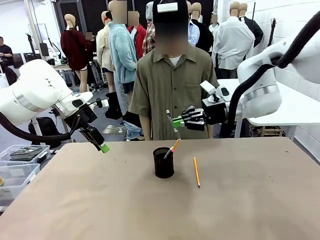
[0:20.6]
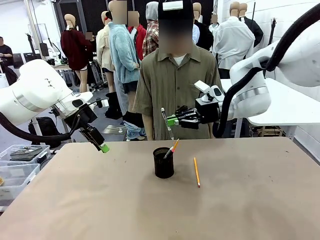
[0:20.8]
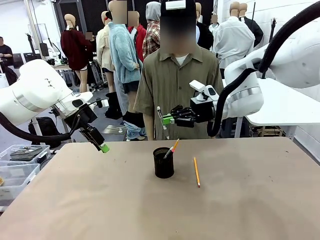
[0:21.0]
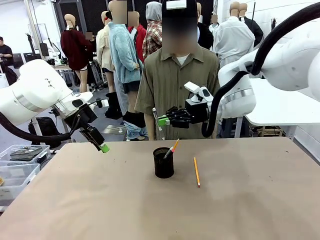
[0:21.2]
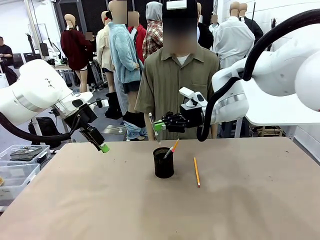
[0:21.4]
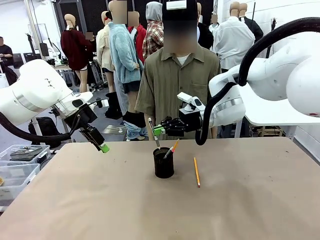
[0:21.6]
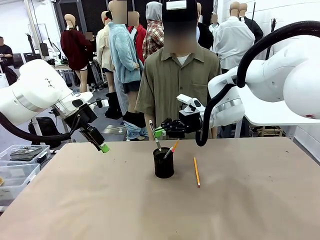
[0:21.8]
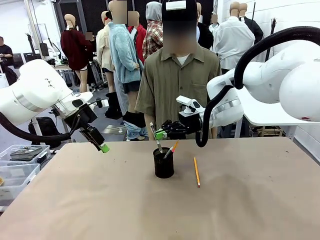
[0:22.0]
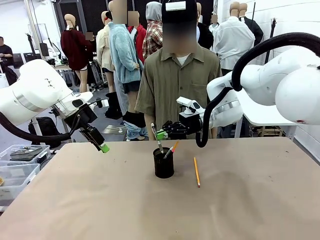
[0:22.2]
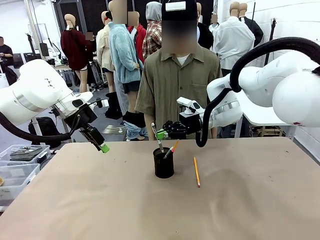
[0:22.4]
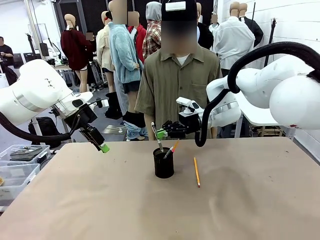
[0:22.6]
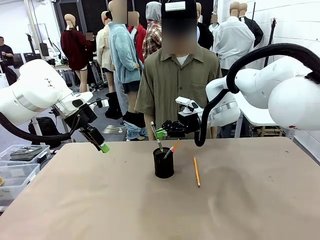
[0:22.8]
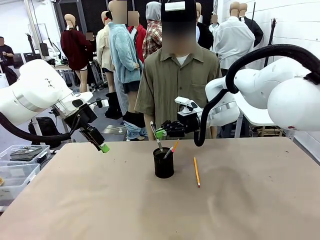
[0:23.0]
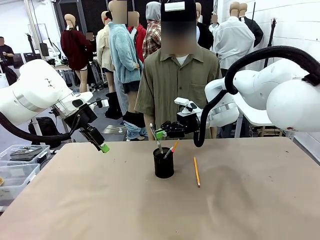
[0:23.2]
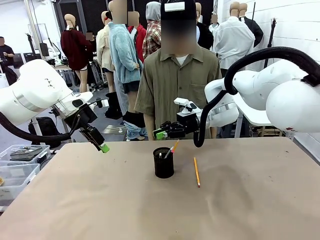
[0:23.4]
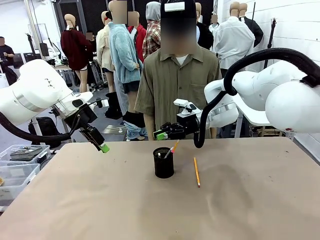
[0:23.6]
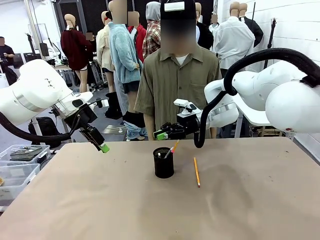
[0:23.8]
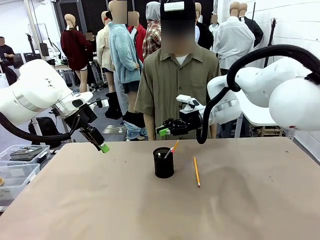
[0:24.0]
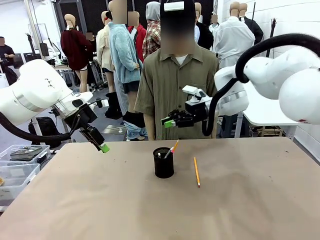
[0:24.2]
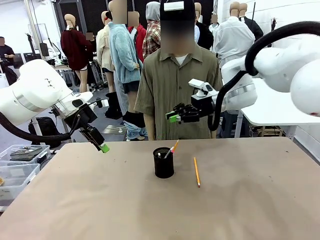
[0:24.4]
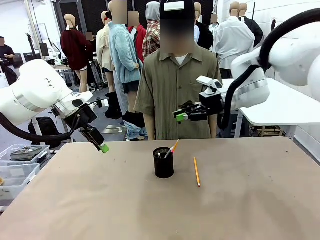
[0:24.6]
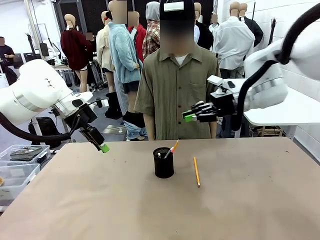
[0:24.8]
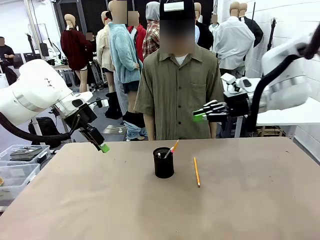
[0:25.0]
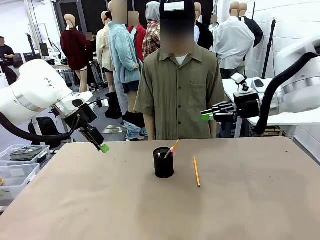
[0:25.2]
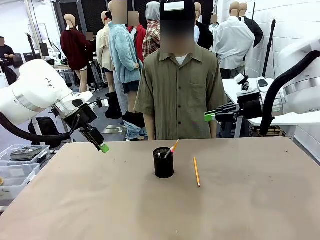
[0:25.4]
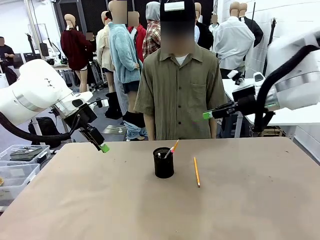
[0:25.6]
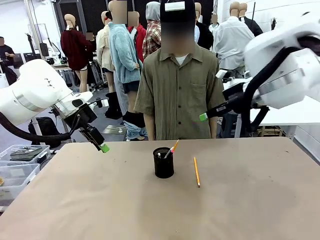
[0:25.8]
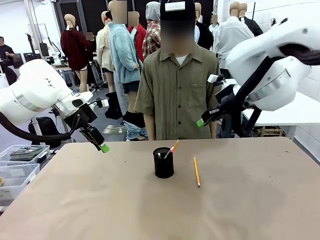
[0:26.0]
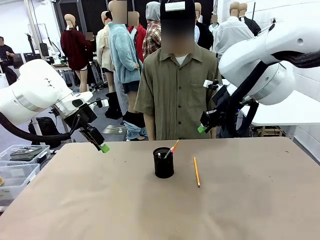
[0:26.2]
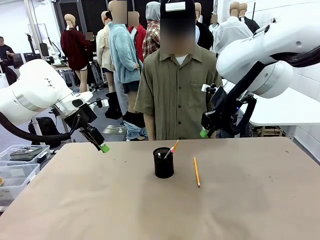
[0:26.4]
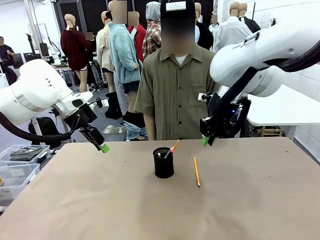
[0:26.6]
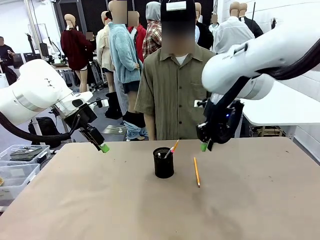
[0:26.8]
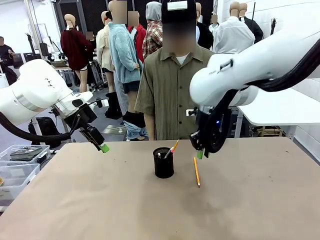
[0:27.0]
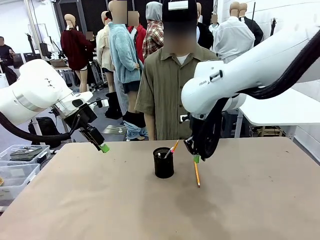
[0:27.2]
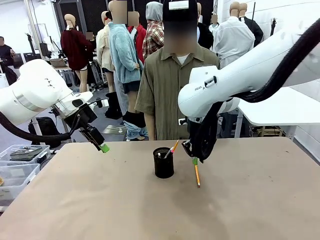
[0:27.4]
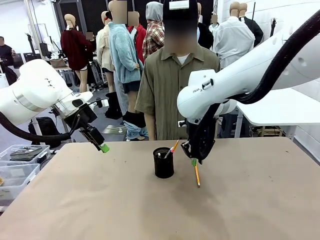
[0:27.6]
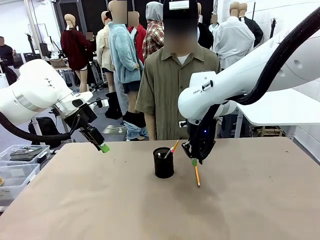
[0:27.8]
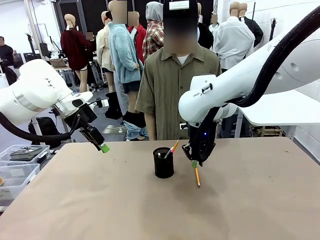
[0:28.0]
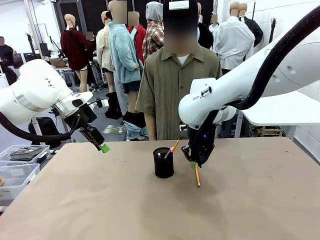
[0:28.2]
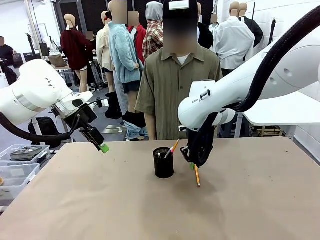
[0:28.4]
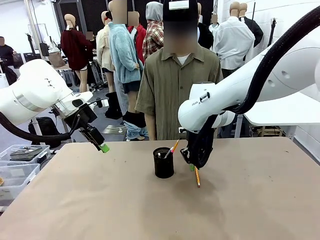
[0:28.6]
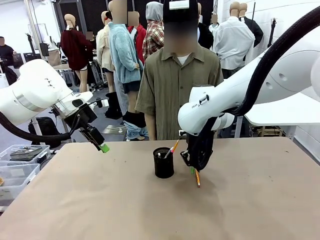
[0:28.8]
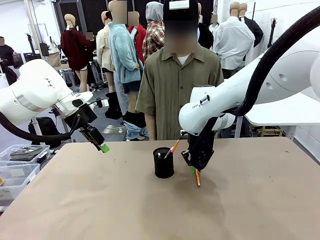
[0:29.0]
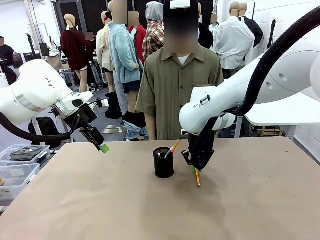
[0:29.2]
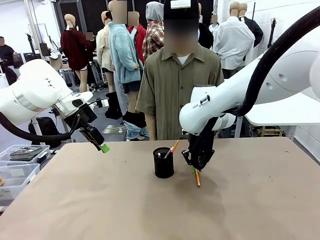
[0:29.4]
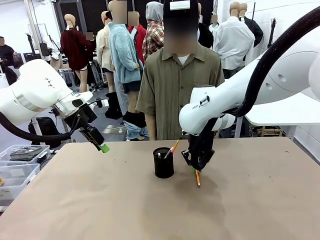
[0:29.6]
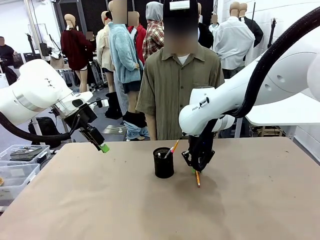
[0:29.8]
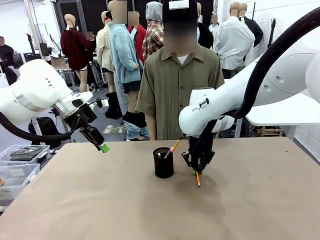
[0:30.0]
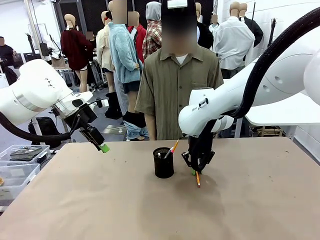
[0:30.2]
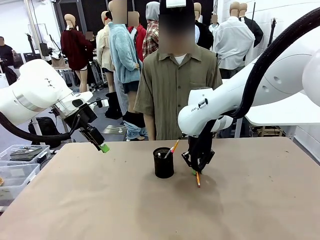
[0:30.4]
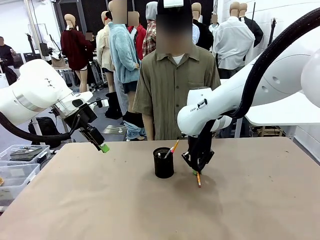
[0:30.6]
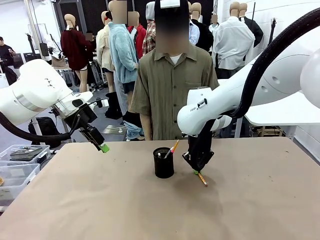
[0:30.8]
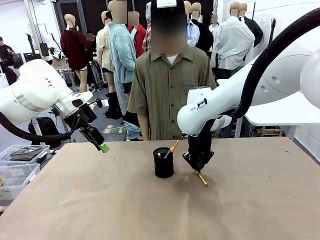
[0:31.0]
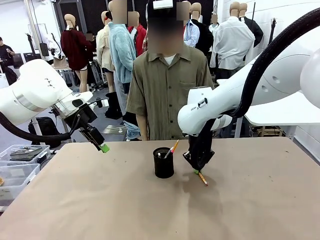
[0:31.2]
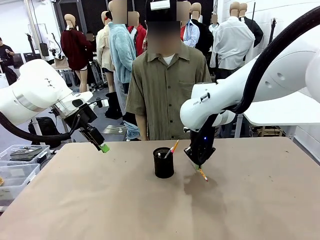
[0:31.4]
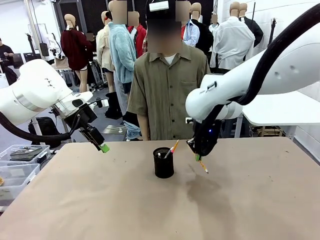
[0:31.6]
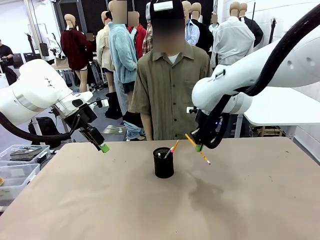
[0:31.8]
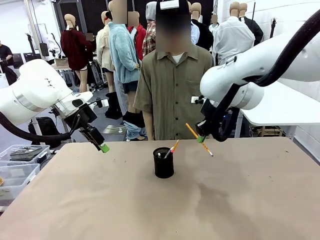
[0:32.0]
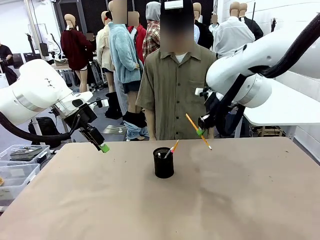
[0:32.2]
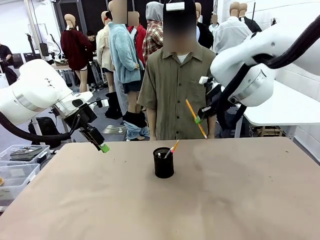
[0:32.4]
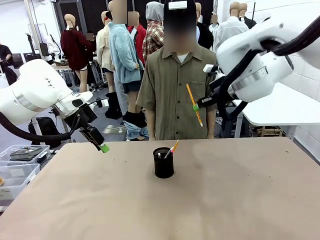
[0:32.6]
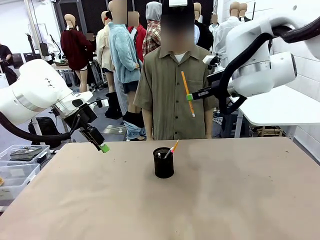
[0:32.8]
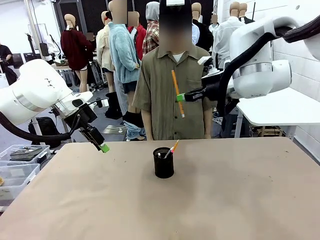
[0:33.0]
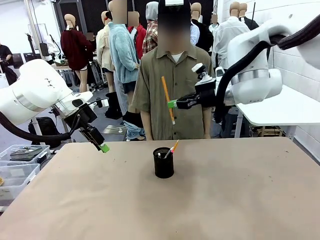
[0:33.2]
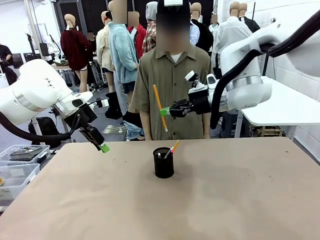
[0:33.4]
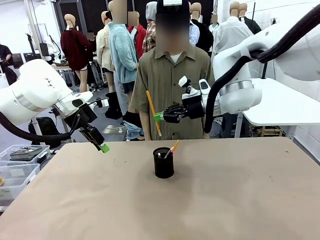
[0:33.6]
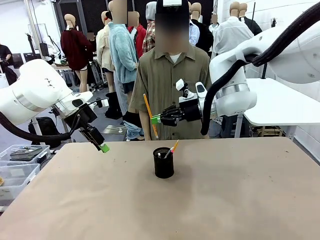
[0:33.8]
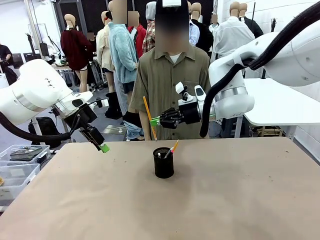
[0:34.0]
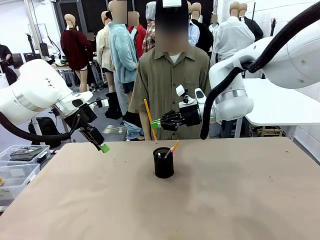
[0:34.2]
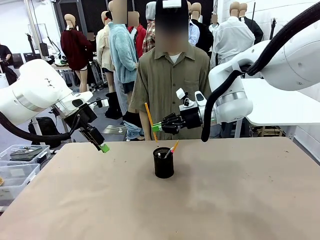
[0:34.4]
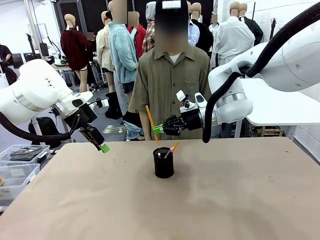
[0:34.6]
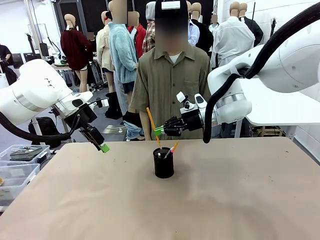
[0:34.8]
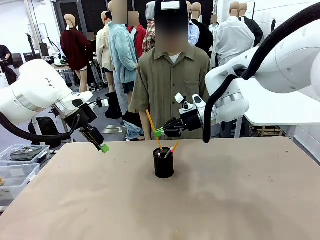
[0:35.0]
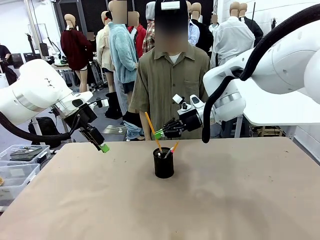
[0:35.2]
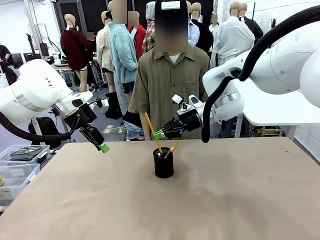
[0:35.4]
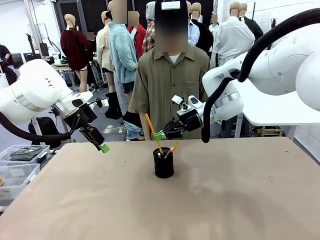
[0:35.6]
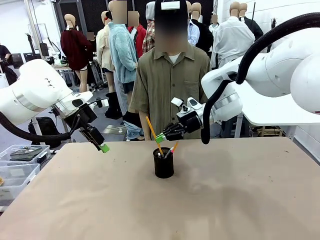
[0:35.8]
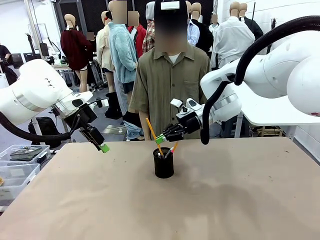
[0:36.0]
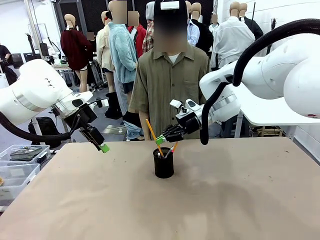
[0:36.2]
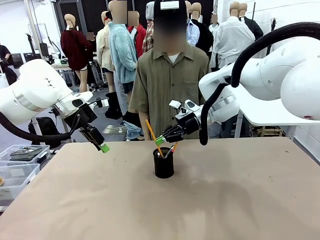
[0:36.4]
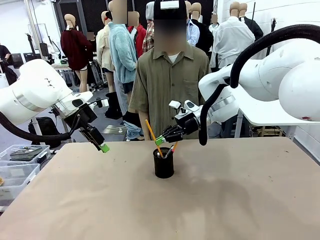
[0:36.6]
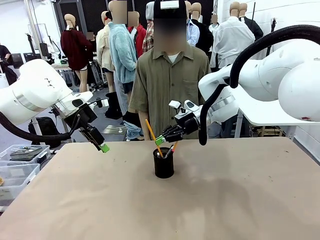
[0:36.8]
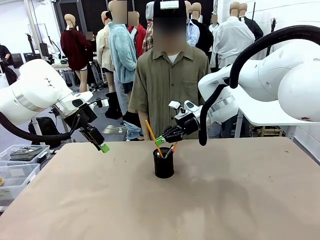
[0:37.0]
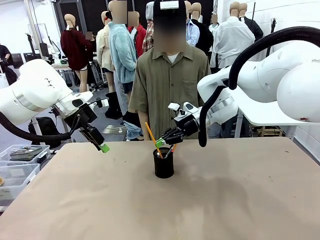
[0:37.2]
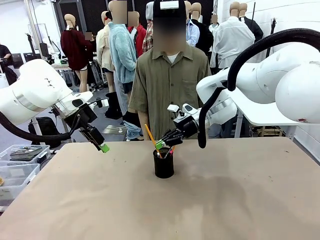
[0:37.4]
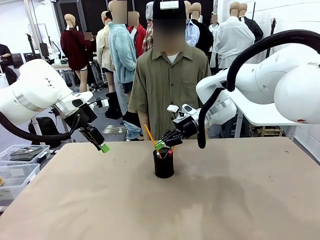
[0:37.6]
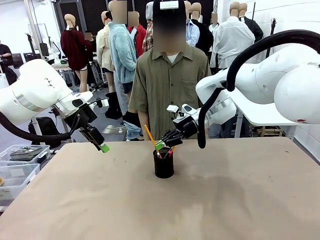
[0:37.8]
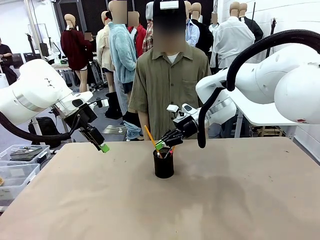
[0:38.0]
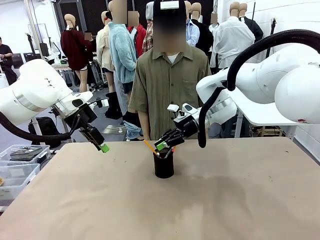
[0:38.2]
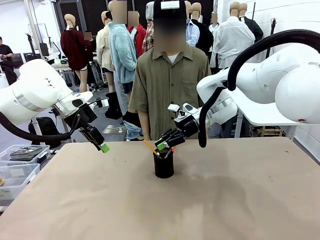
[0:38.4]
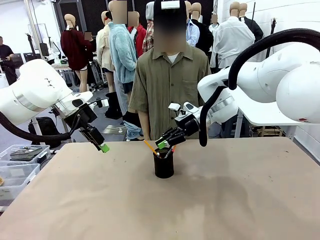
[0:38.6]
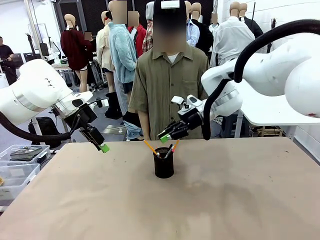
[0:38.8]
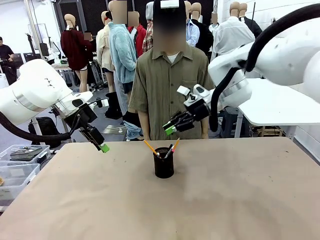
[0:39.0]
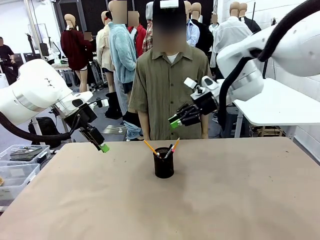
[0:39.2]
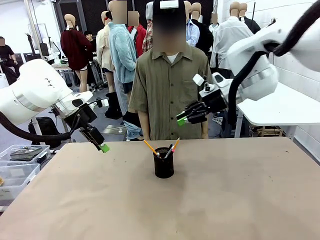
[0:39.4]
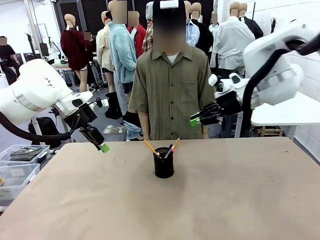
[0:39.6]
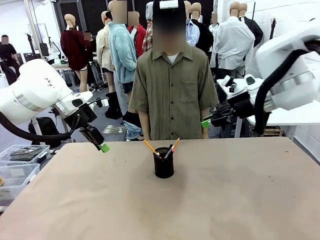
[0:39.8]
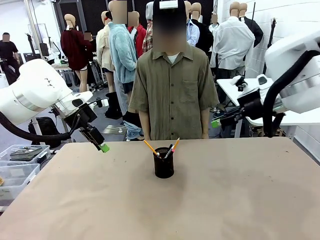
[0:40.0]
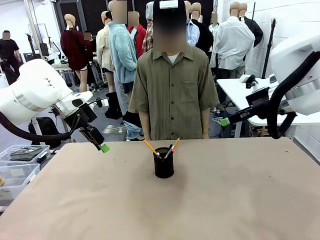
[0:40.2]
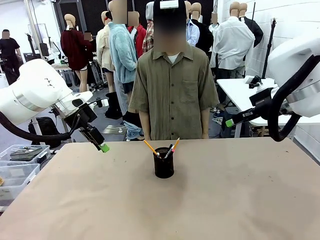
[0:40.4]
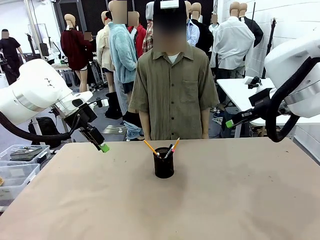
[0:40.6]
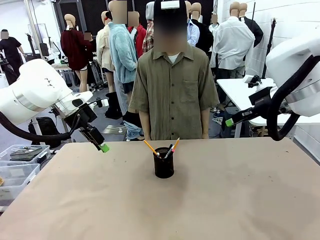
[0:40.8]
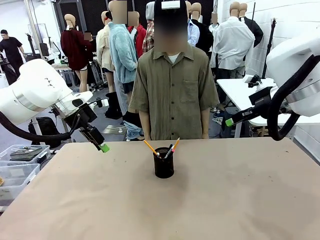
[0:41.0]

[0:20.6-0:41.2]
Task: Place the pens into the pen holder.
Robot: Pick up a writing instrument from the table and place it into the Pen holder.
Person: Place all writing instrument into the Pen holder.
